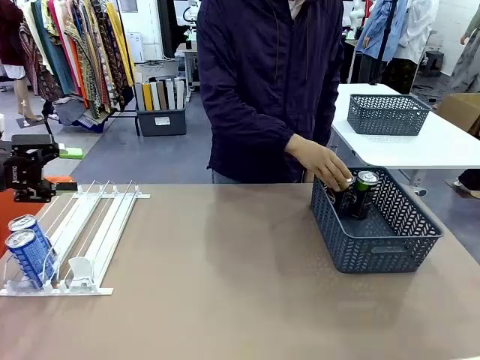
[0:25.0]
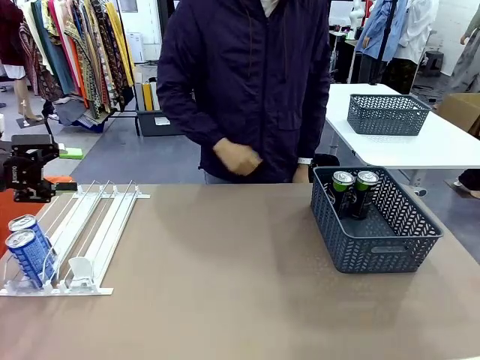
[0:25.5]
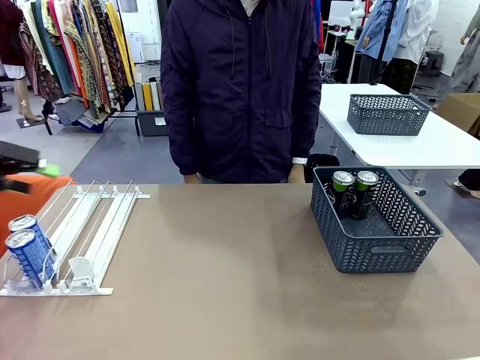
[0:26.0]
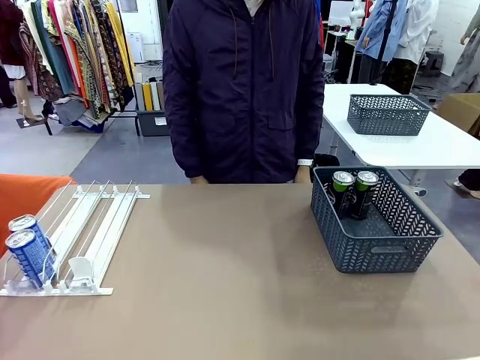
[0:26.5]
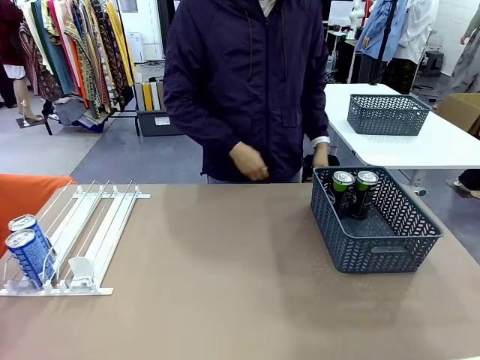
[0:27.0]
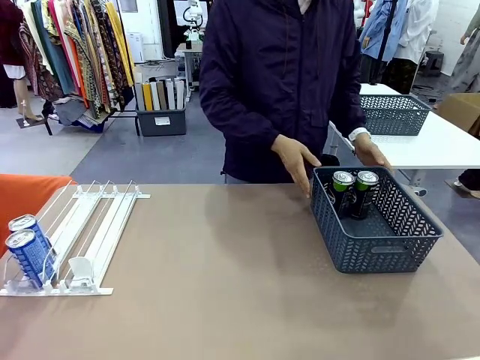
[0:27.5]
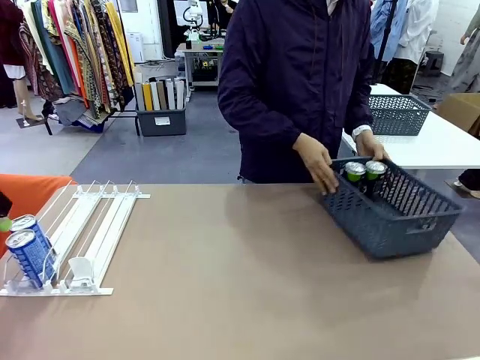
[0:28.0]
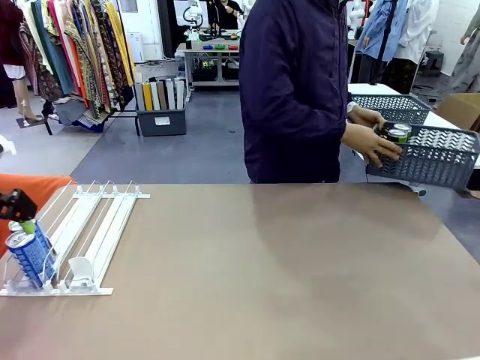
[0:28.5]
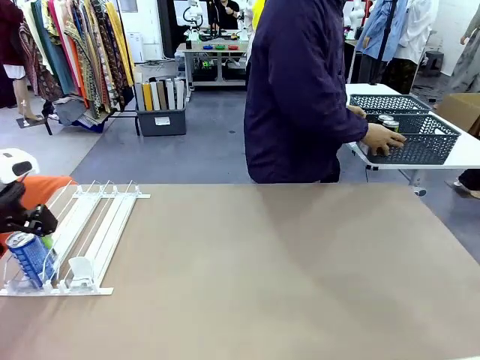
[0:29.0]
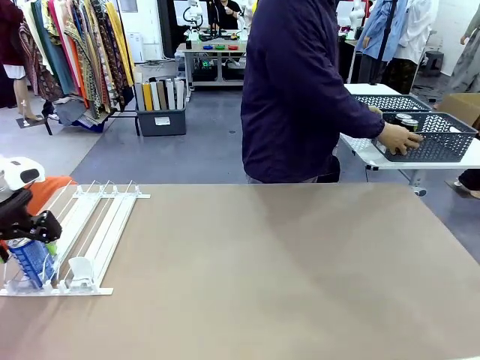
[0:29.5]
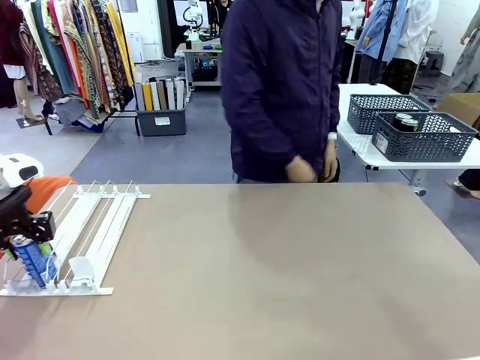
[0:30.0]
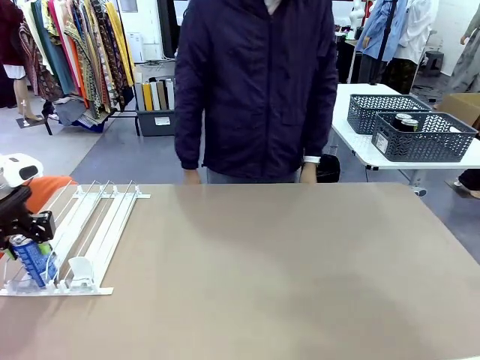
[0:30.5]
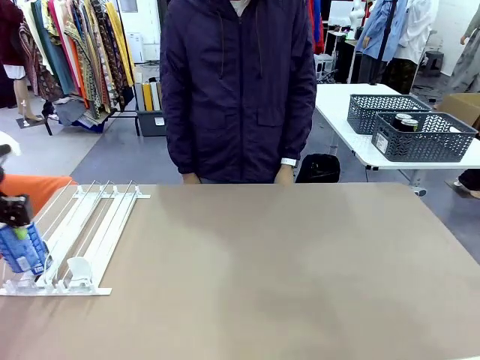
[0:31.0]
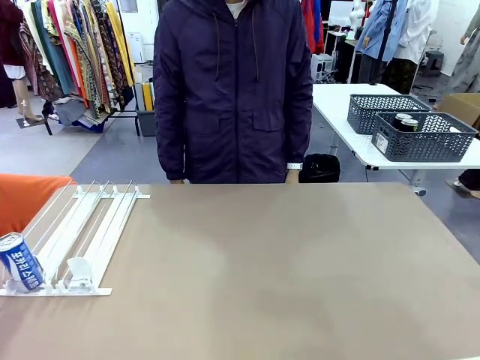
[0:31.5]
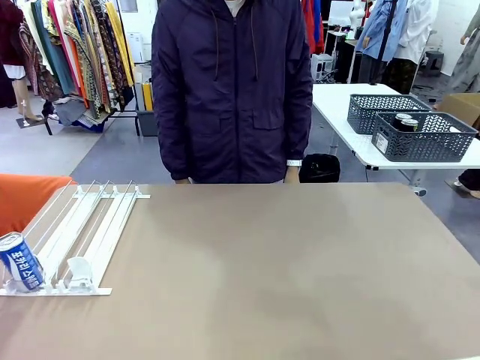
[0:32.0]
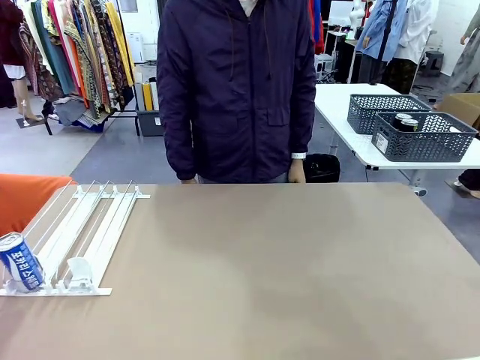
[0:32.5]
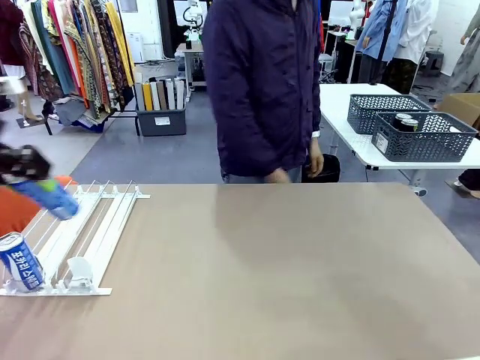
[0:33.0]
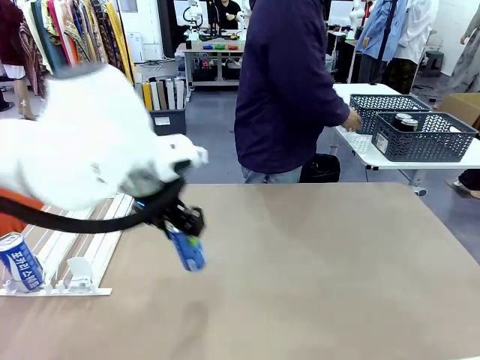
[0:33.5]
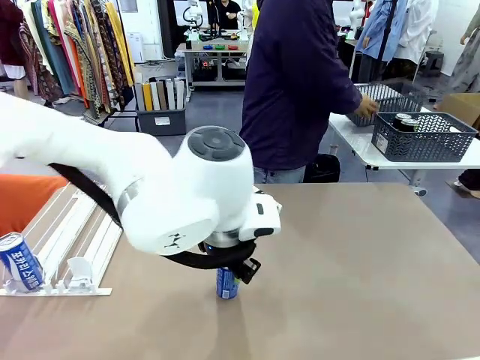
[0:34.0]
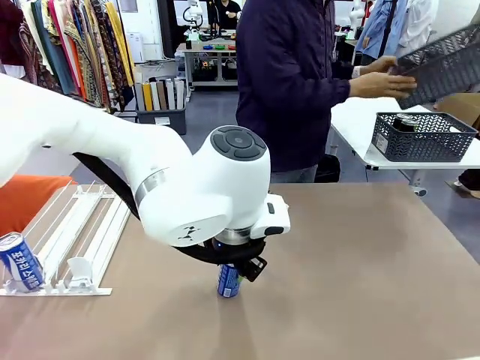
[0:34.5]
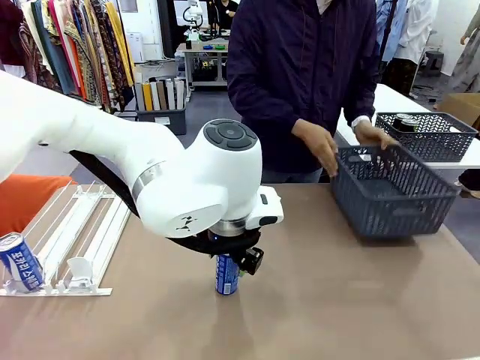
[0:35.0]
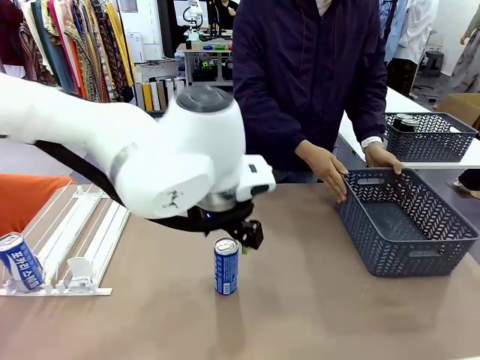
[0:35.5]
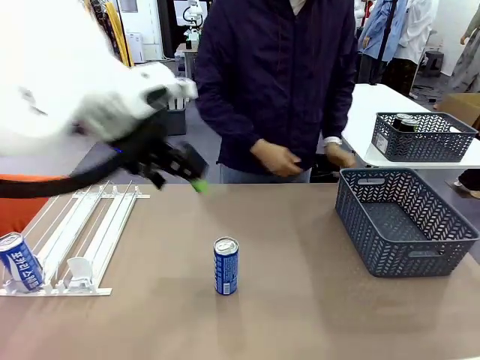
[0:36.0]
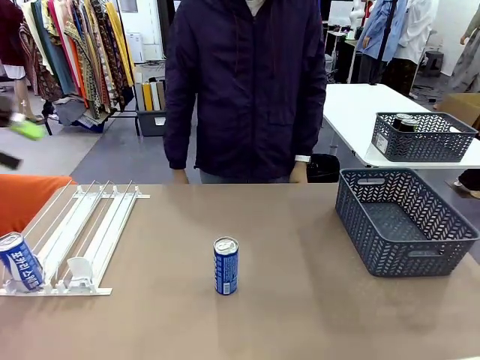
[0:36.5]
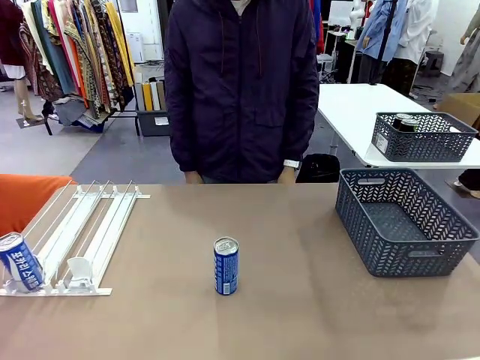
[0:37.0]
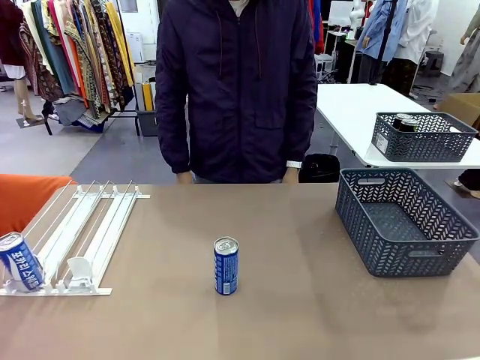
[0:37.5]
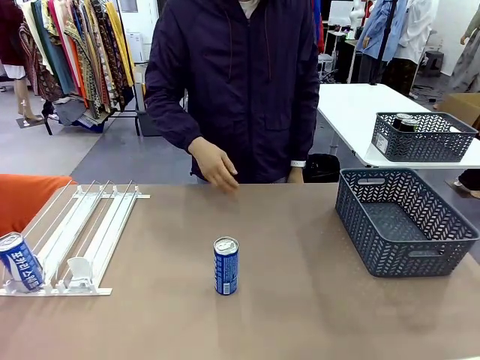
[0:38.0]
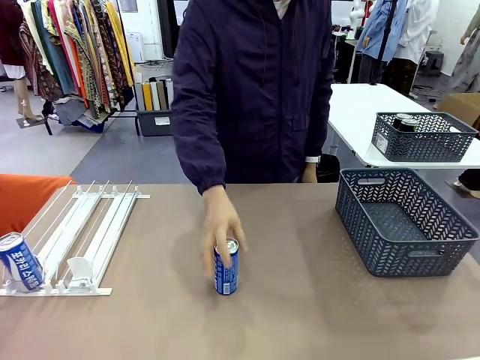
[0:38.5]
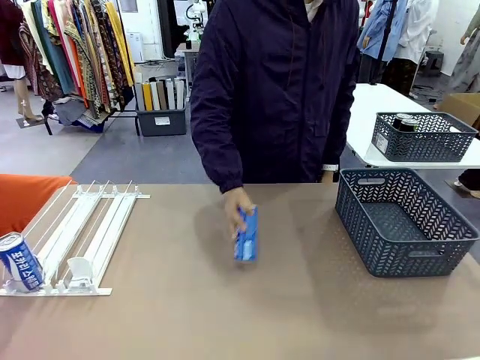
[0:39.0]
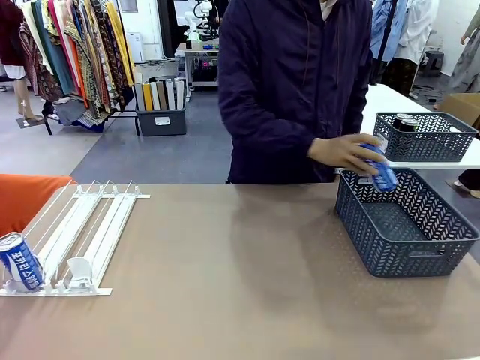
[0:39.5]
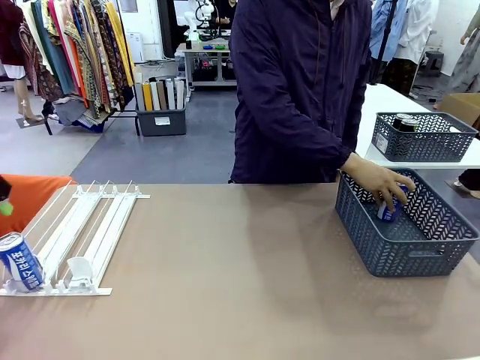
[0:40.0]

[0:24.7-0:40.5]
Task: Retrieve and store the cans from the dispenser.
Robot: Pick up one can from the Automatic Can Dispenser and place it in the middle of the table.
Person: Pick up the basket and place it in the middle of the human table. Pick up the empty basket and place it on the left side of the robot table.
